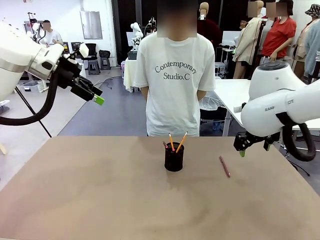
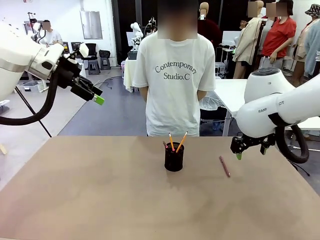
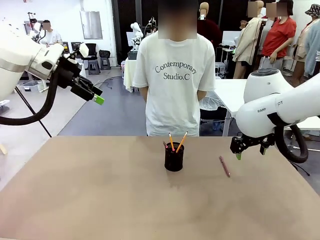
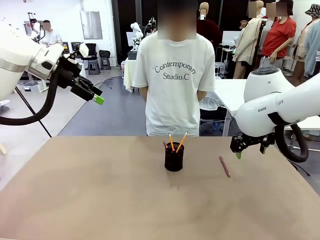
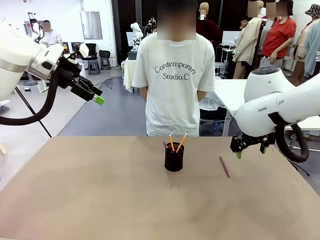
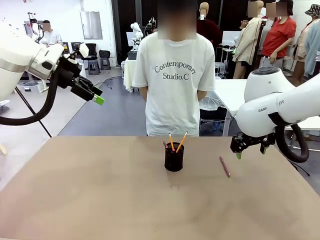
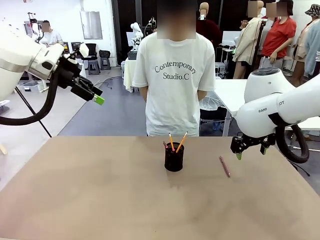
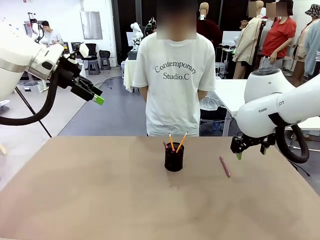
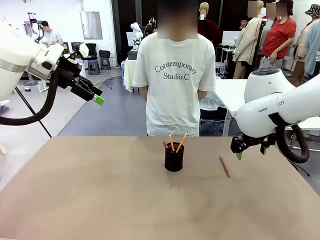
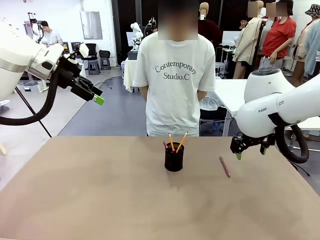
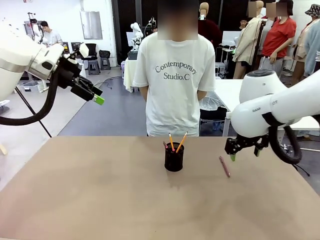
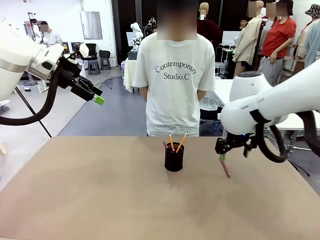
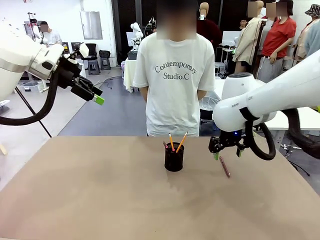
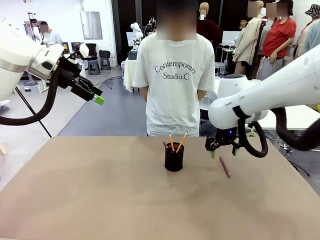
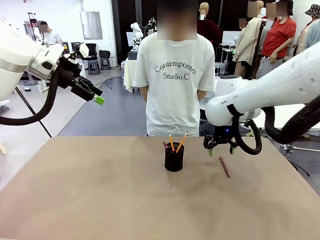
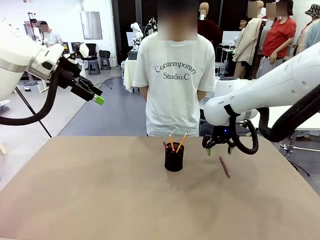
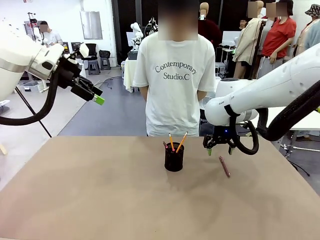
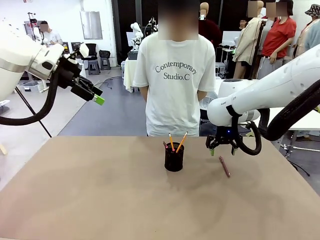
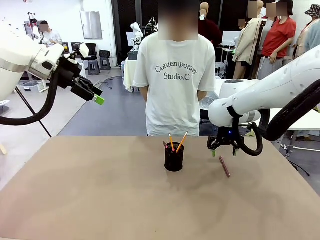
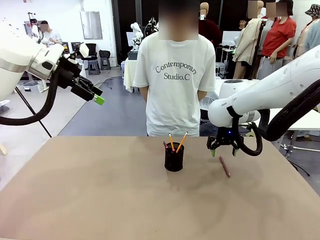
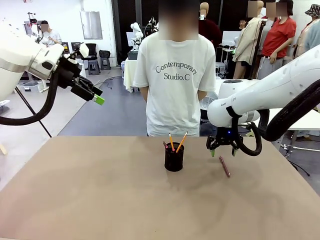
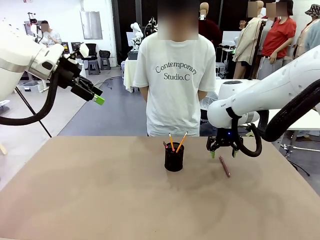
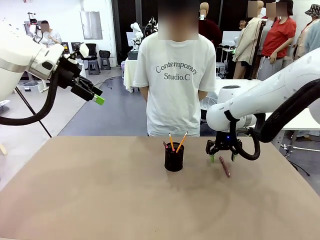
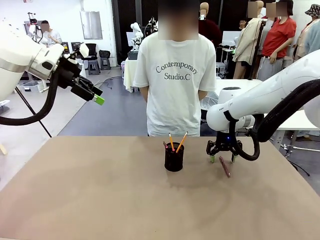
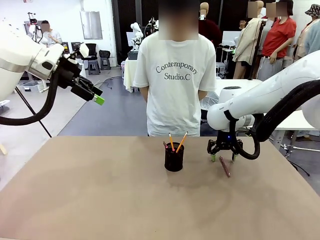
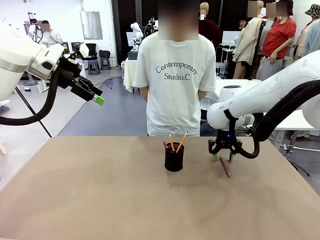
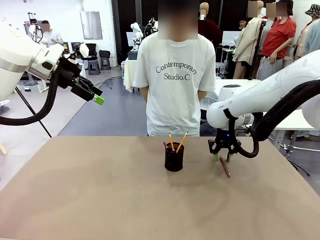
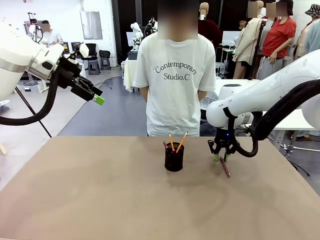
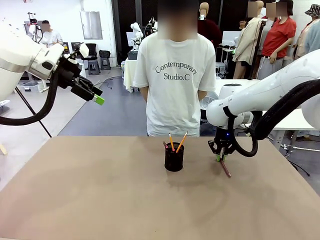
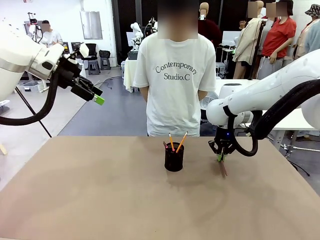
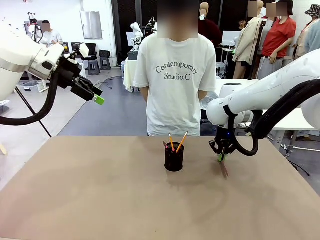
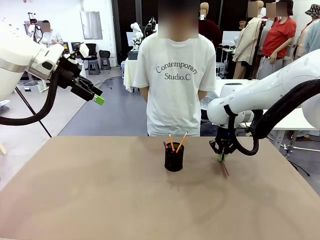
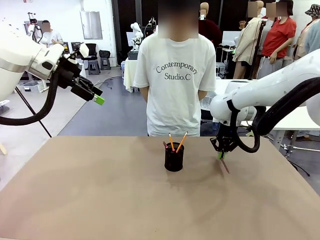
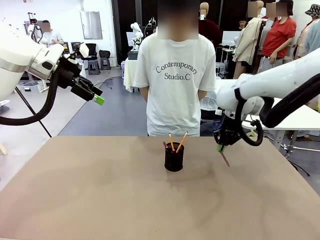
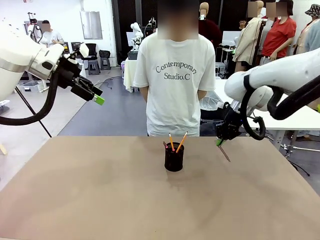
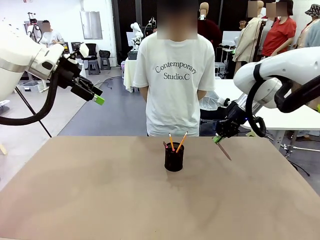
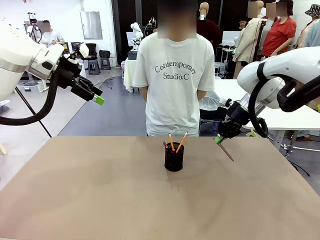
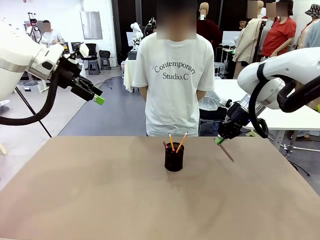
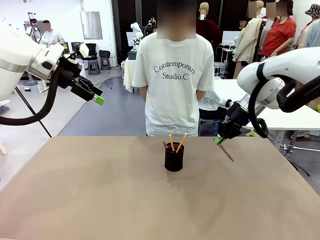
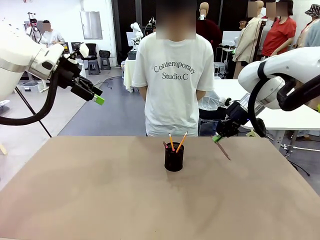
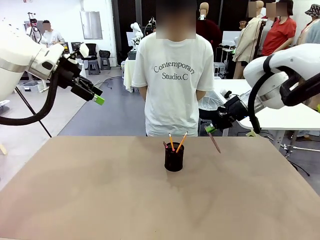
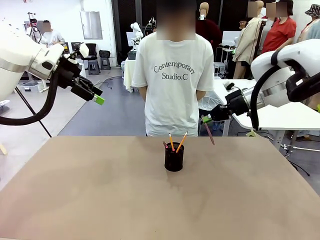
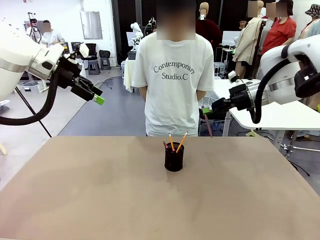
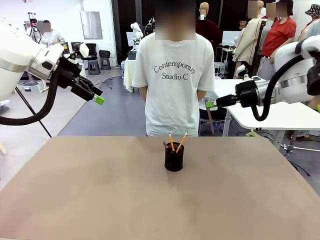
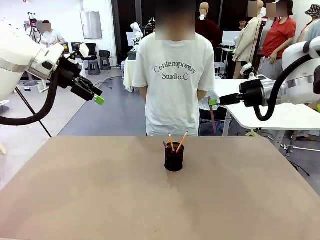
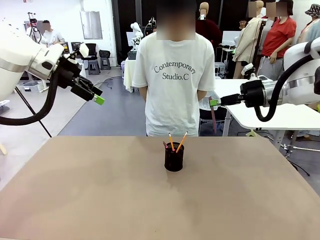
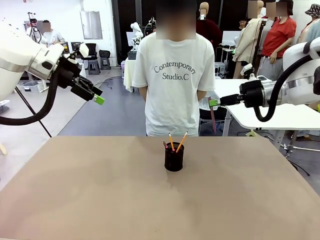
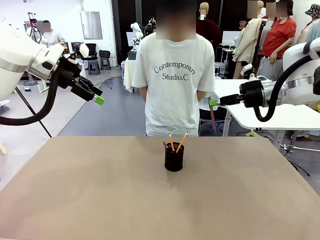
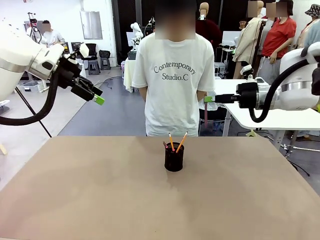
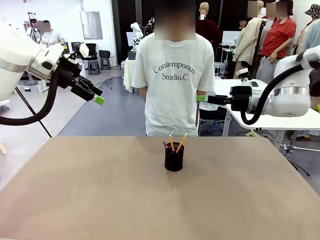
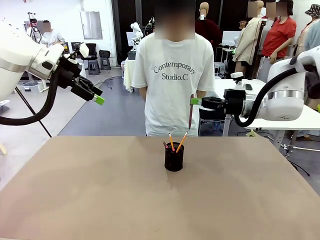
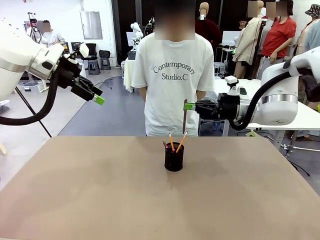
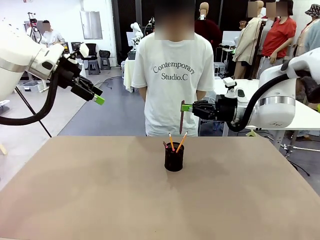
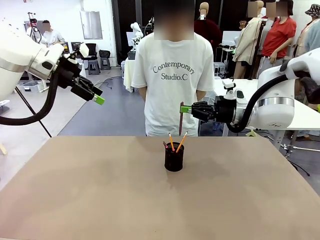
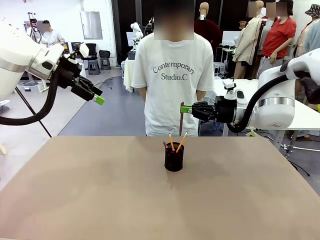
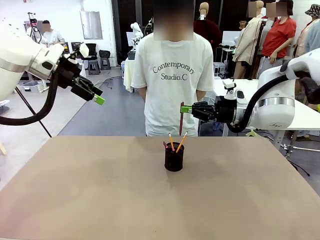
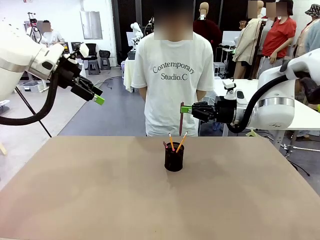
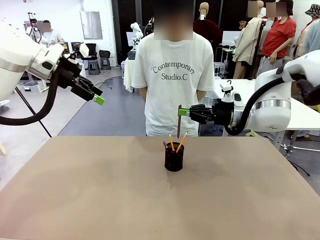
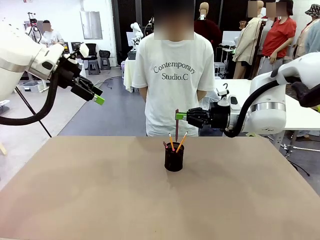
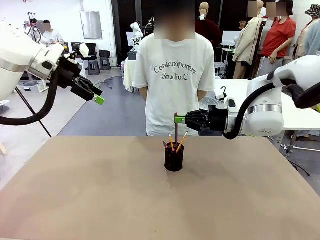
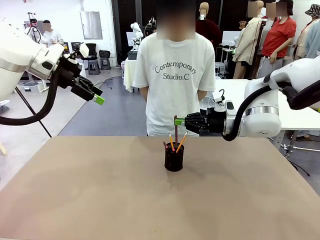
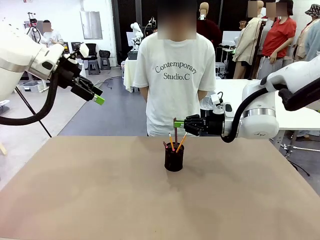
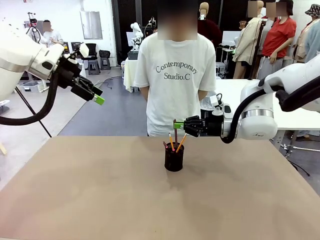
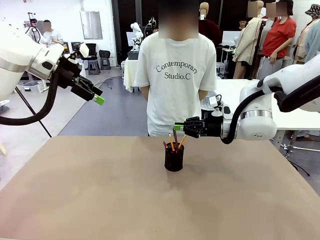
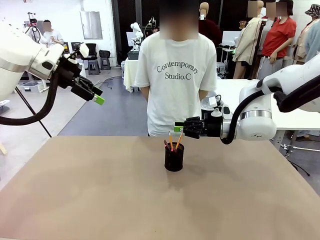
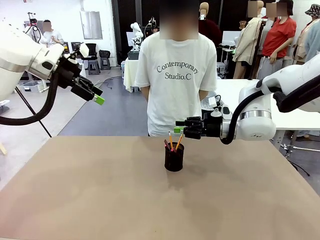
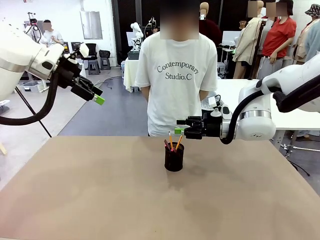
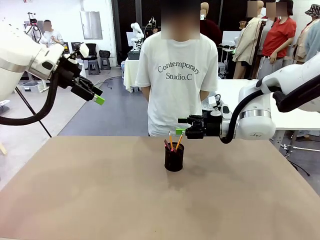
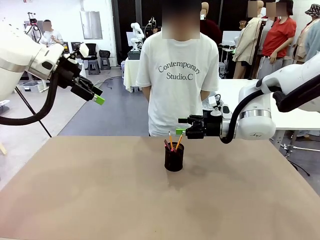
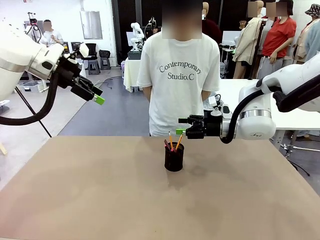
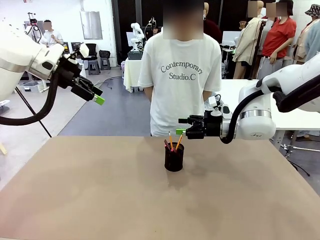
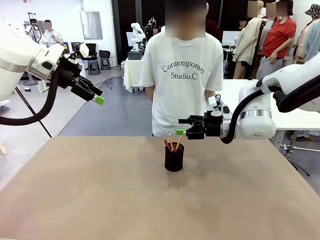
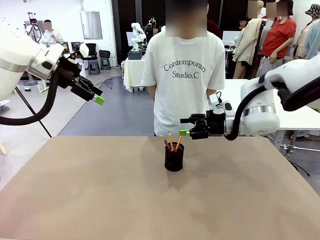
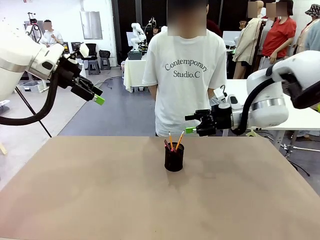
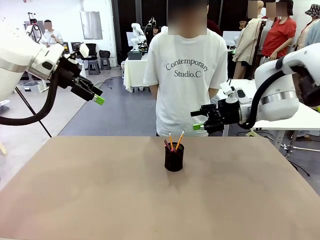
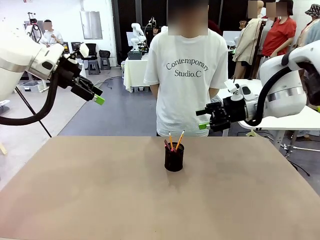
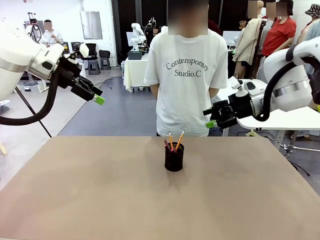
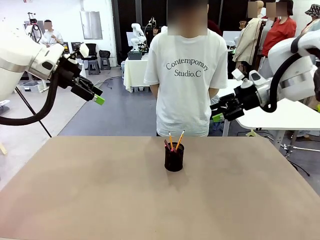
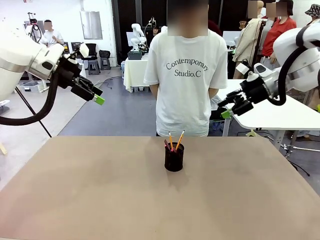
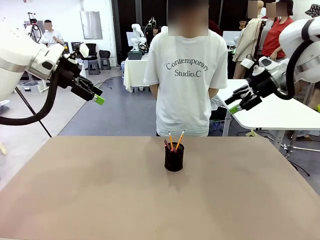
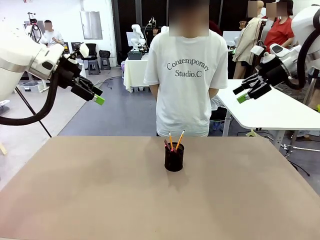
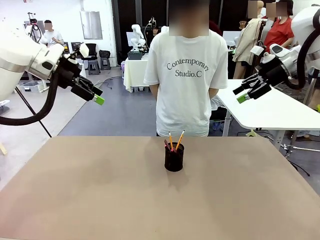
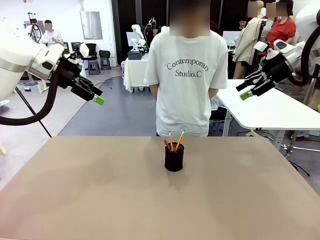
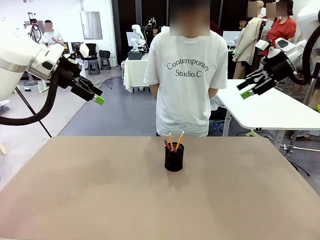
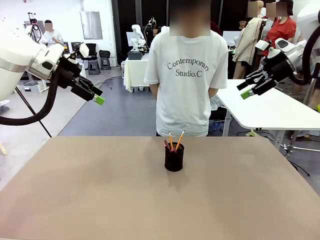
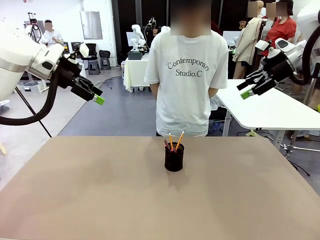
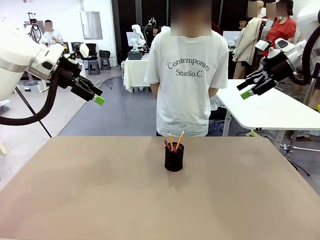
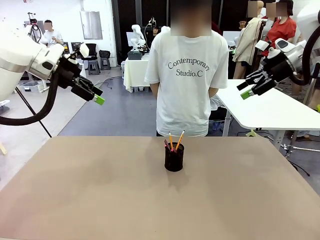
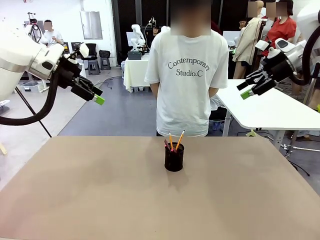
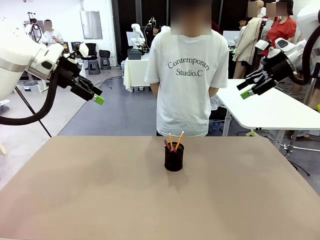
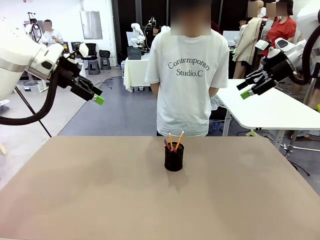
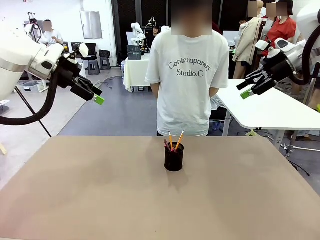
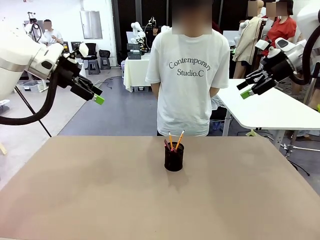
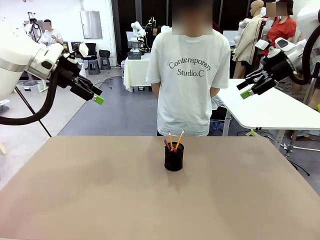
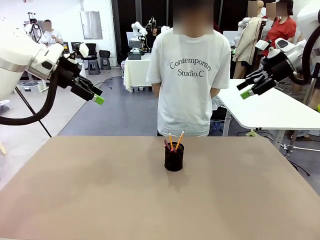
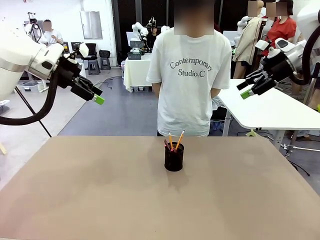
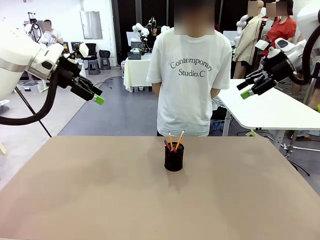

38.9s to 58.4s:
Task: Place the pens into the pen holder.
Robot: Pick up a writing instrument from the table and place it into the Pen holder.
